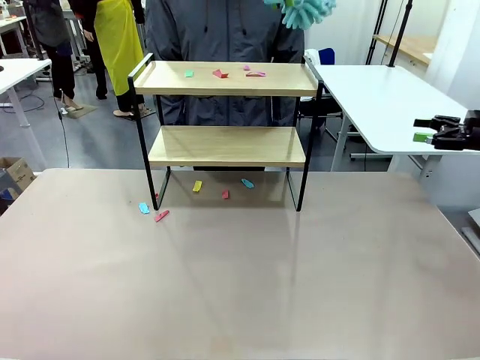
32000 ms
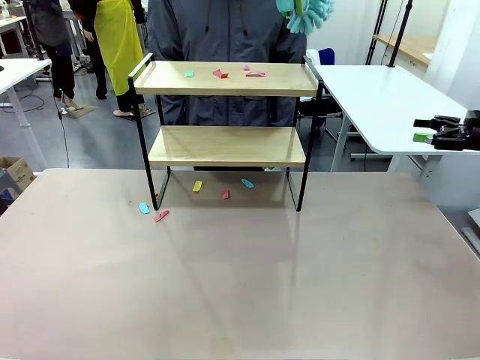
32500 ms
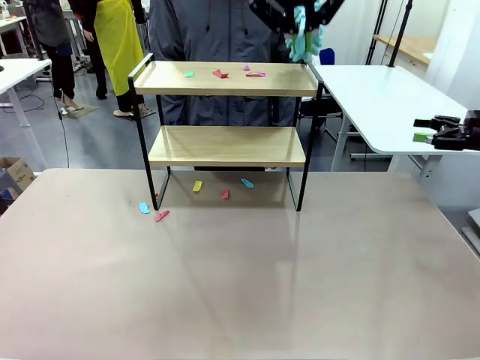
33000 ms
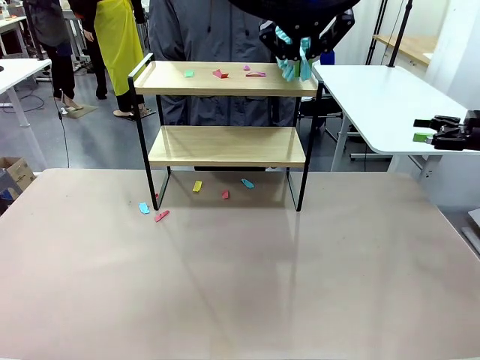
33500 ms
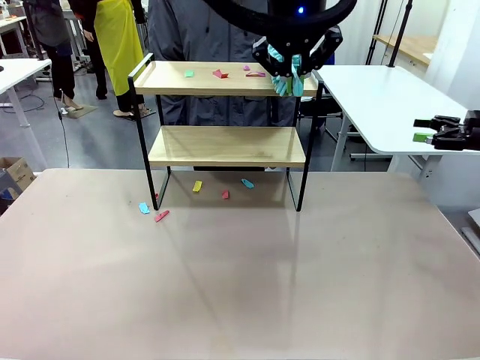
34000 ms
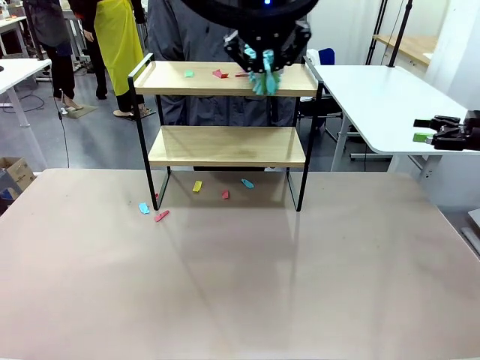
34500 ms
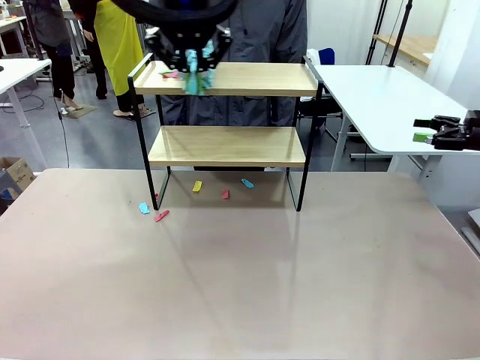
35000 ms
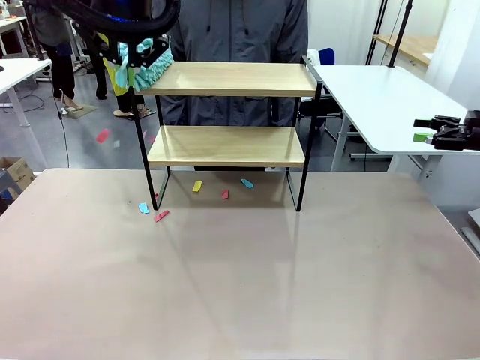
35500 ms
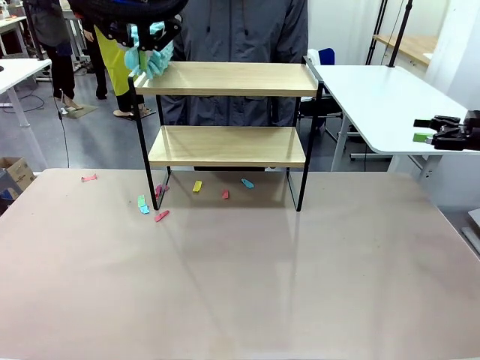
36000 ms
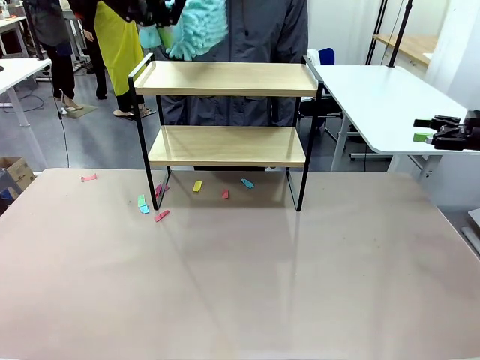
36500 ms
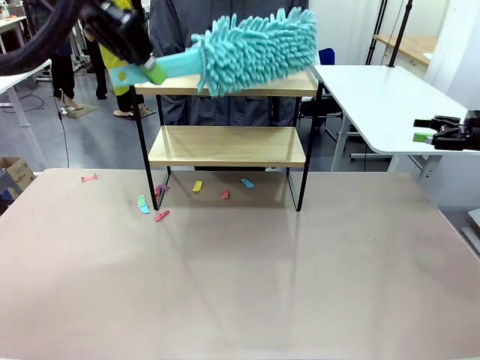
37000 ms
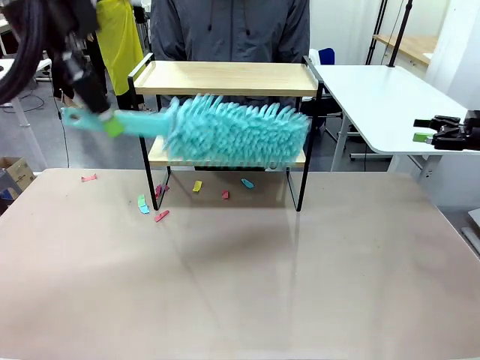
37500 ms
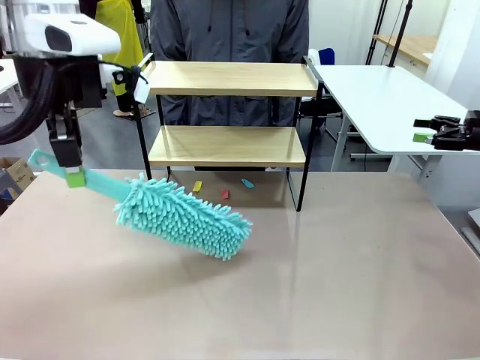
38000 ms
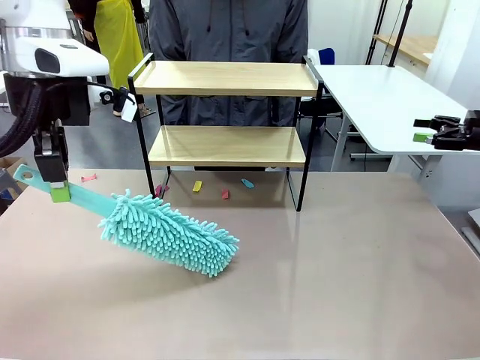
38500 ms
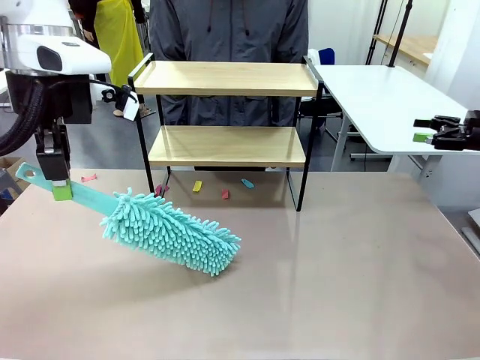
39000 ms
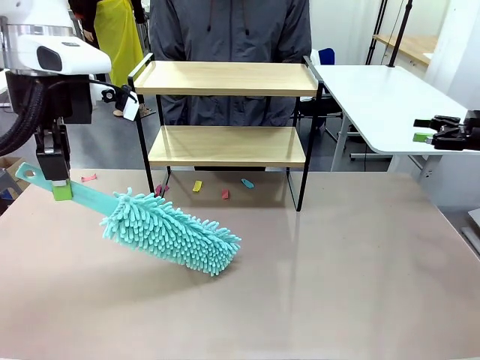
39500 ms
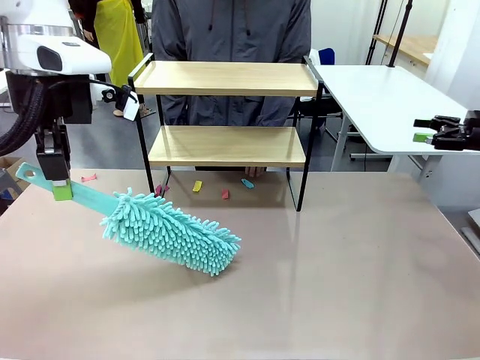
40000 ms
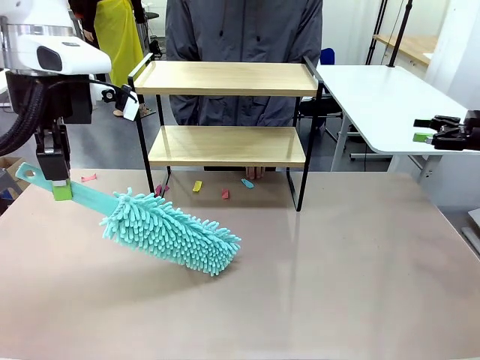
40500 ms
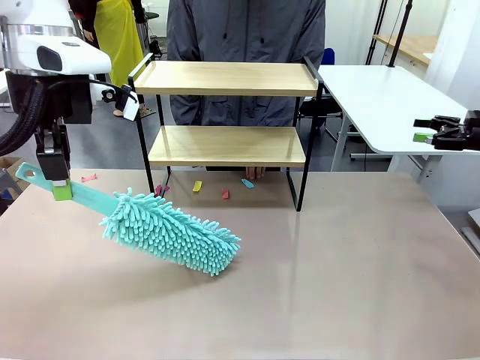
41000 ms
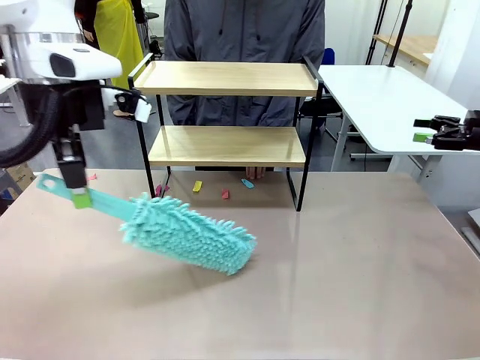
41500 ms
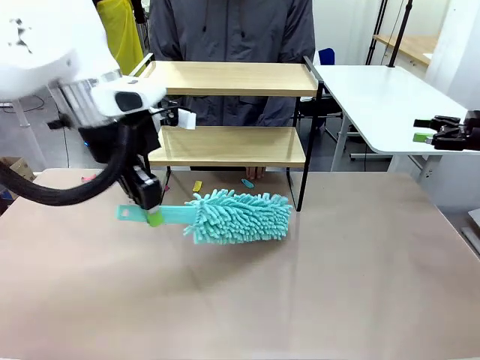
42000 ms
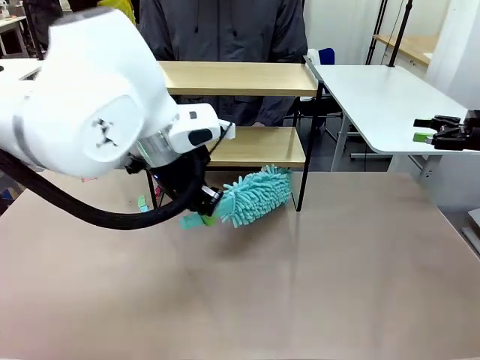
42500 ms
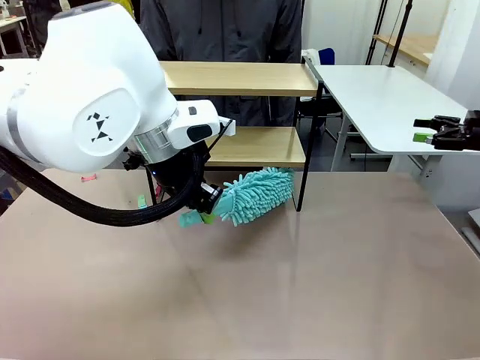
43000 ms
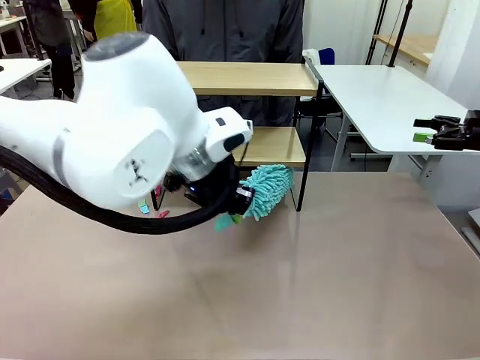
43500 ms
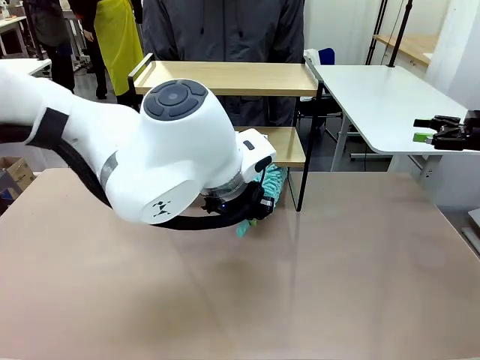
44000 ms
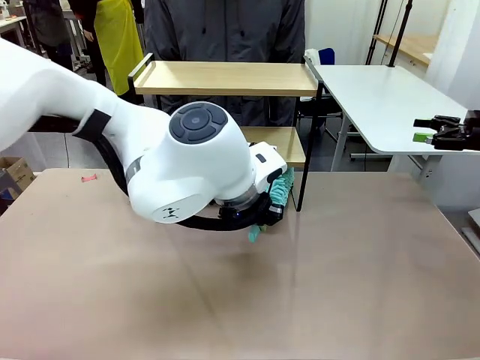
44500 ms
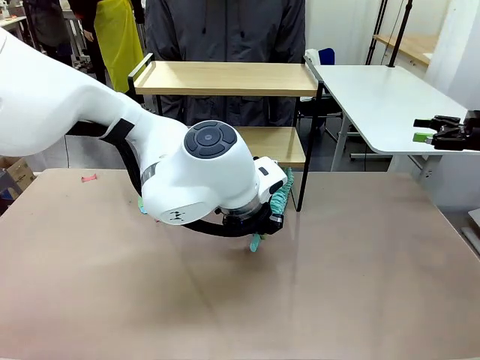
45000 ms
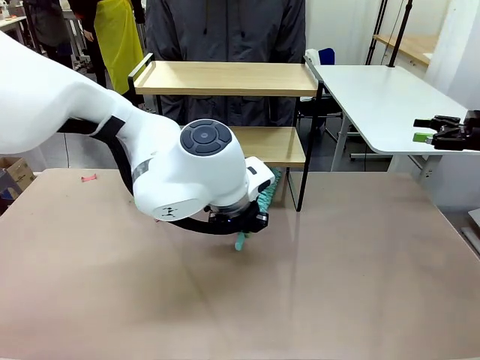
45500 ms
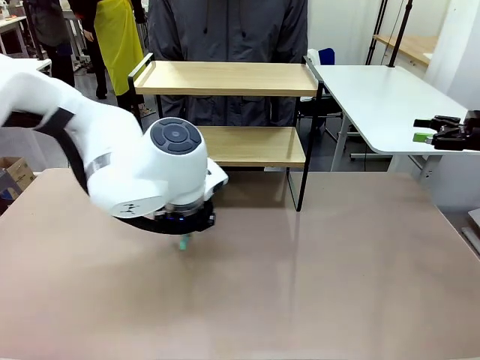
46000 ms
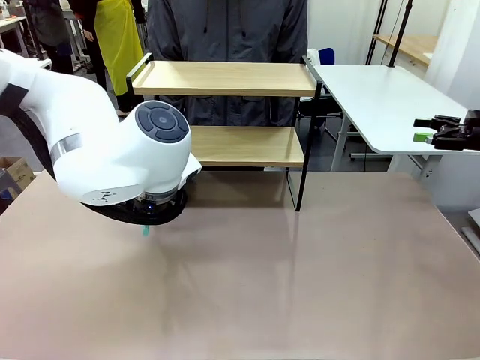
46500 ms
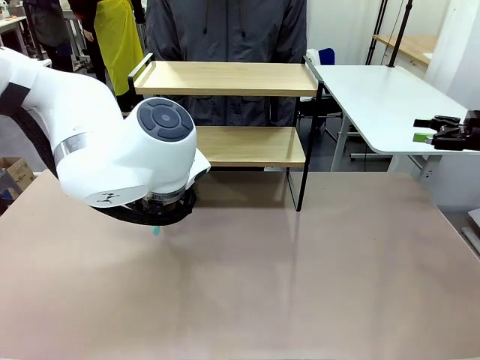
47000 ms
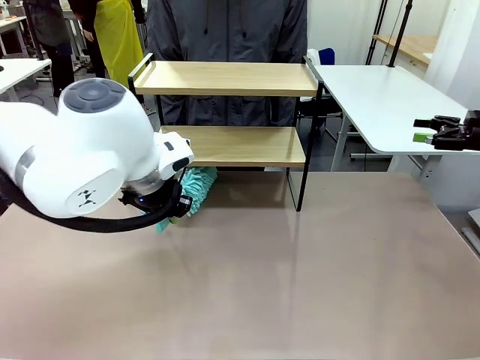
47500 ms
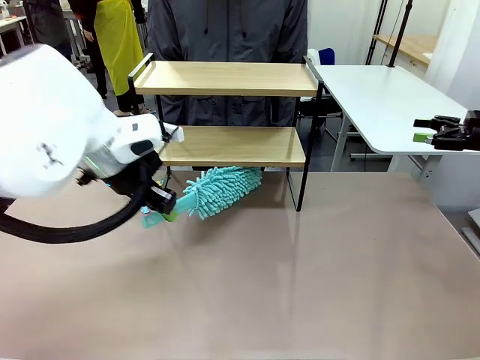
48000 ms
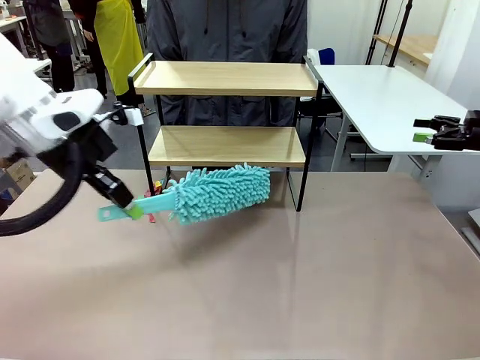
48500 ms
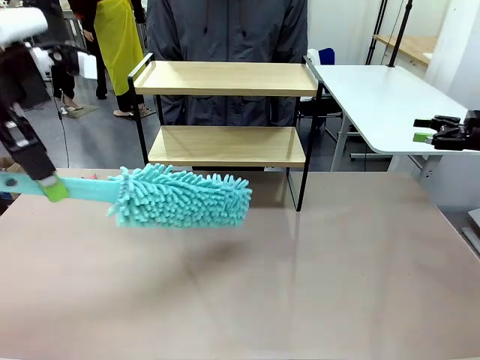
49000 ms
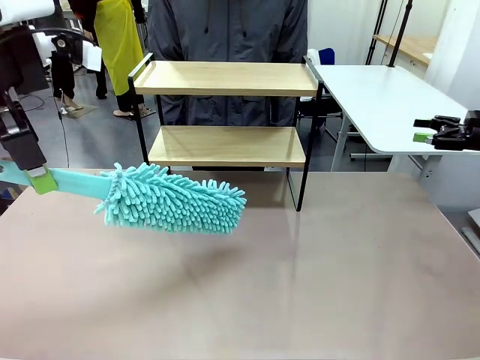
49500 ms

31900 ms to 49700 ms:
Task: Clean the shelf.
Robot: Clean the specific section of the Shelf indicated by the human with the Duster.
Person: Point a remaining section of the Shelf.

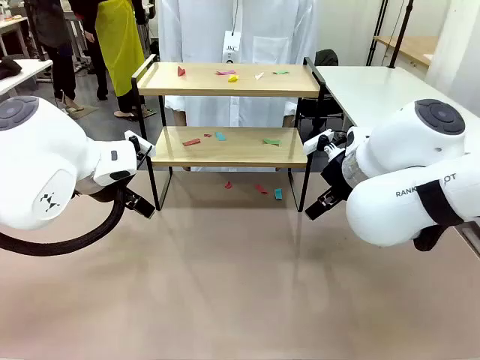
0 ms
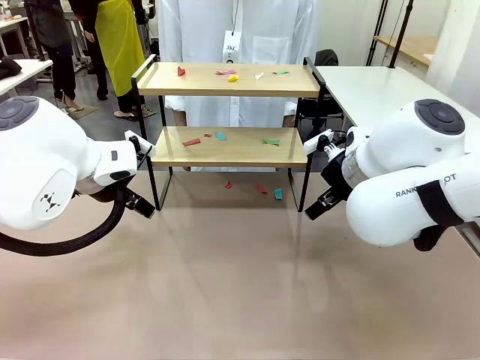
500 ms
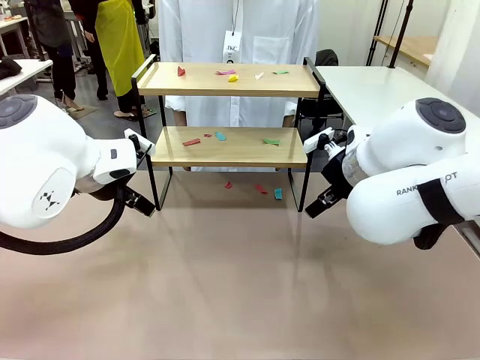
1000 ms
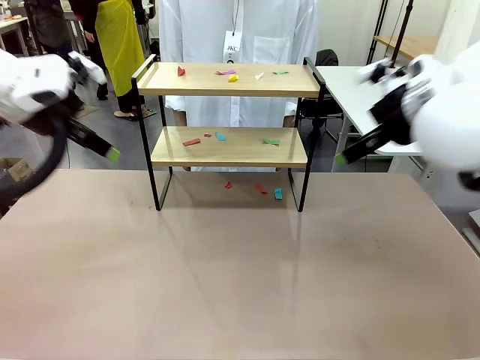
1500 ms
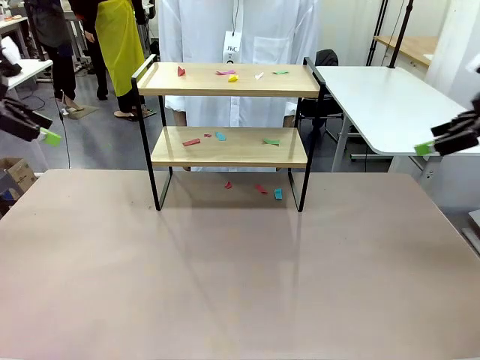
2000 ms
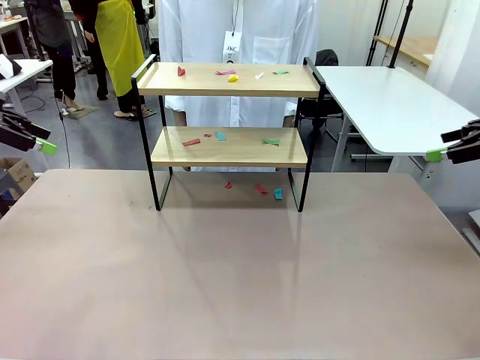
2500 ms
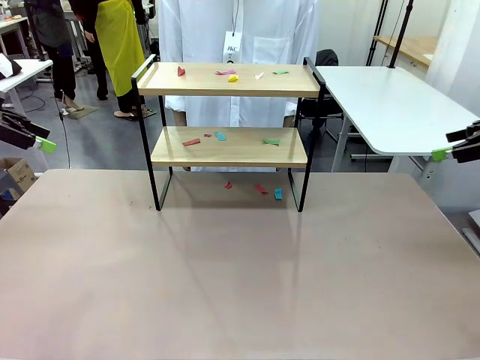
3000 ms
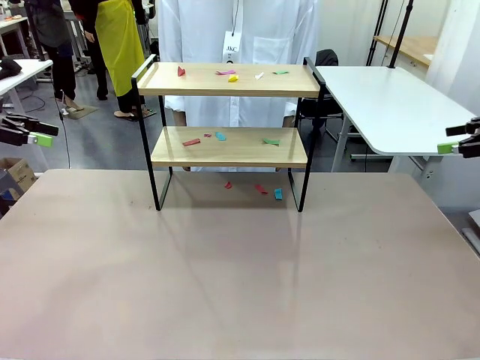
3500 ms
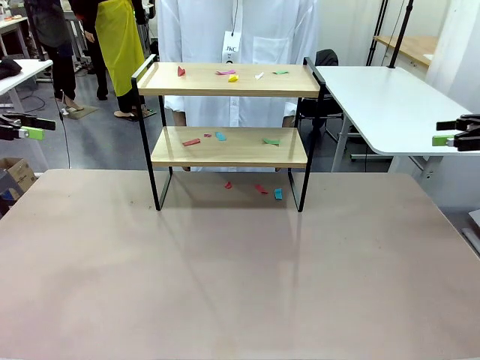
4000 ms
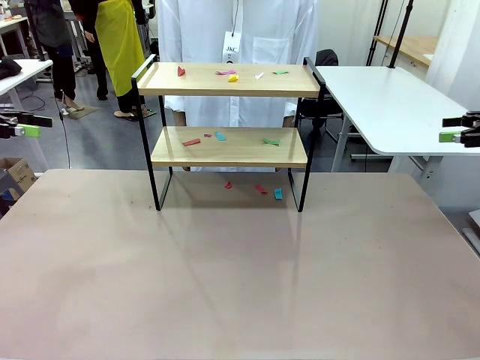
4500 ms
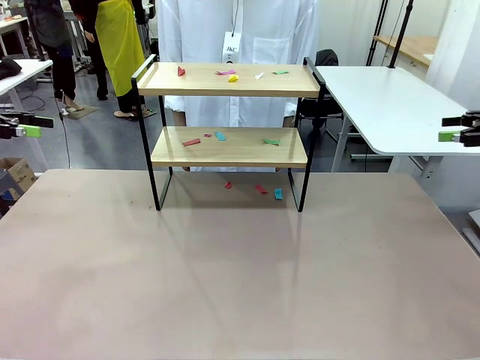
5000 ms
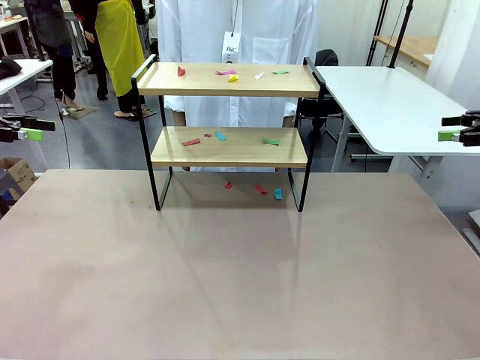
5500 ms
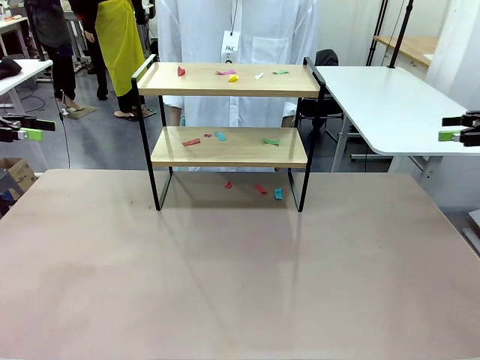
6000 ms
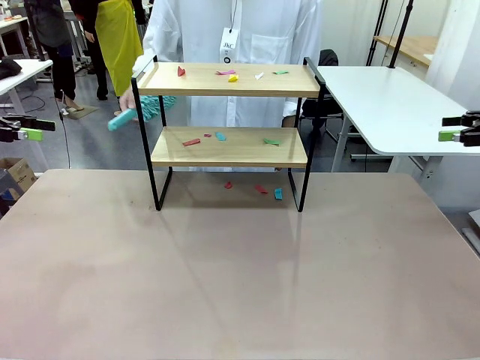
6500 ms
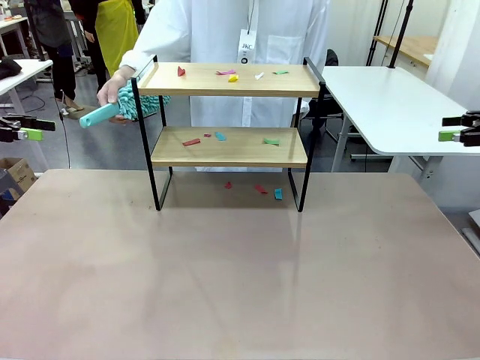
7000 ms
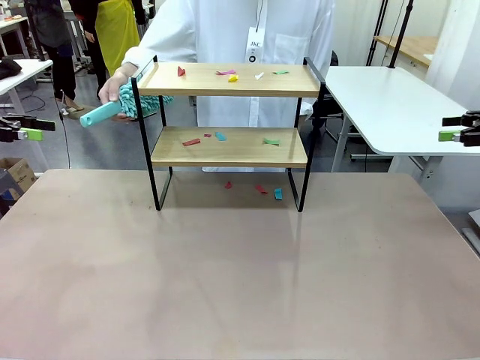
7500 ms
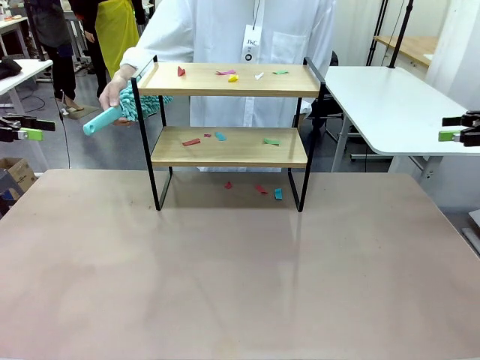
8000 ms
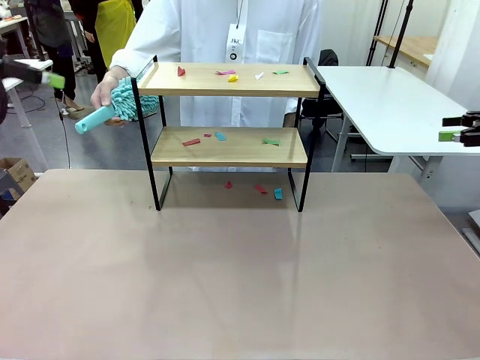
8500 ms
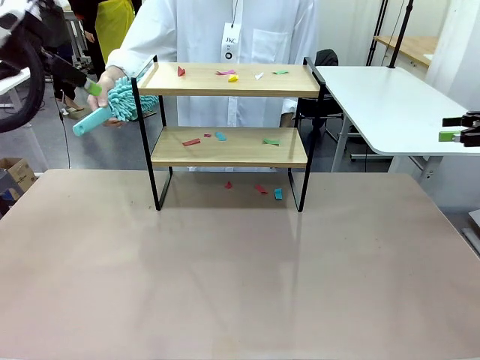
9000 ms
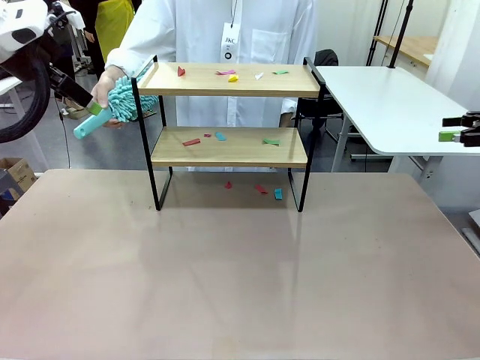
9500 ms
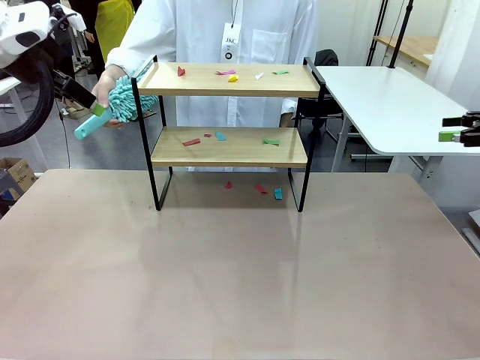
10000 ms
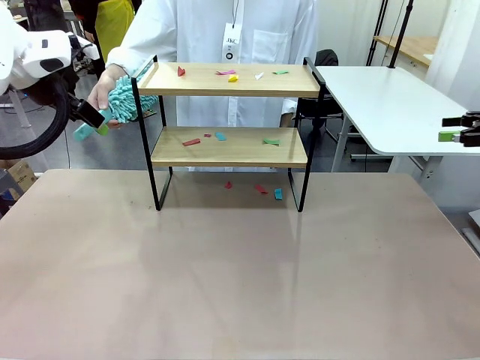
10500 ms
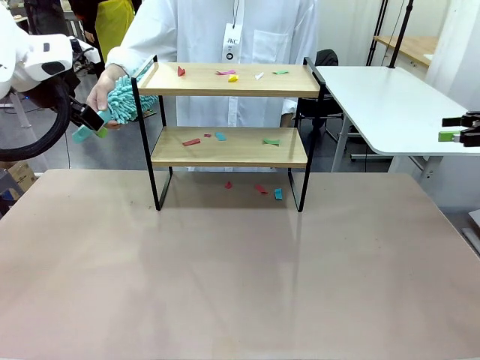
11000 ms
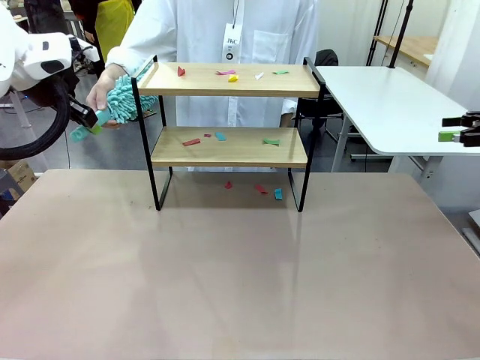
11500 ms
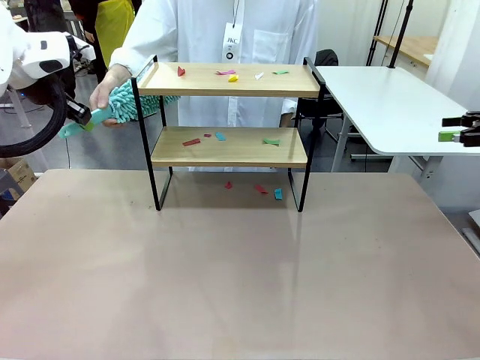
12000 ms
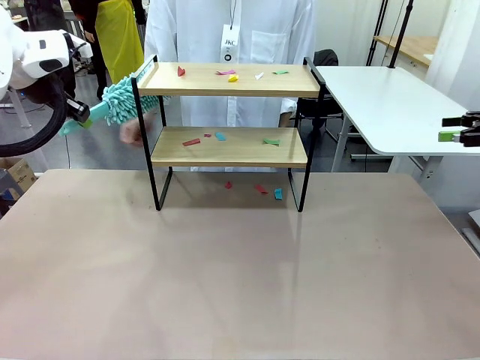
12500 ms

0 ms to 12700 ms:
Task: Clean the shelf.
Robot: Pick up the Duster handed by the human.
Person: Hand the Duster to the robot.
